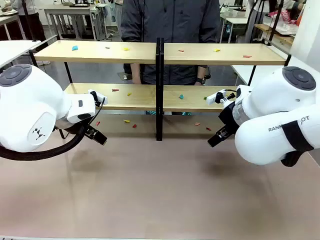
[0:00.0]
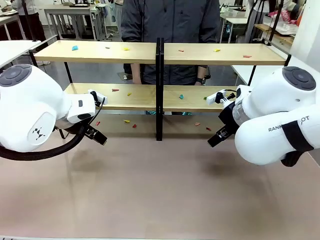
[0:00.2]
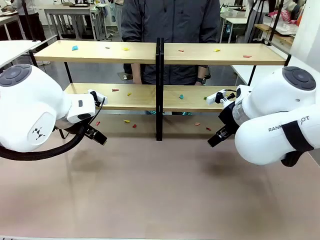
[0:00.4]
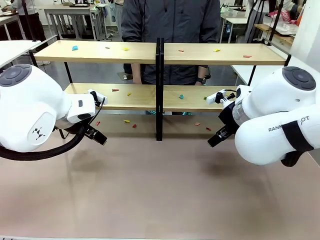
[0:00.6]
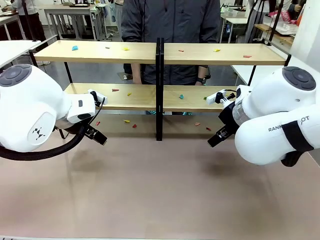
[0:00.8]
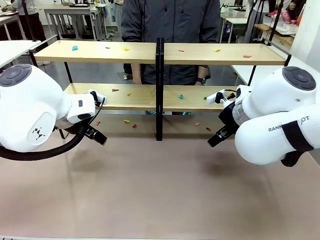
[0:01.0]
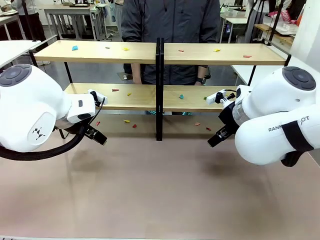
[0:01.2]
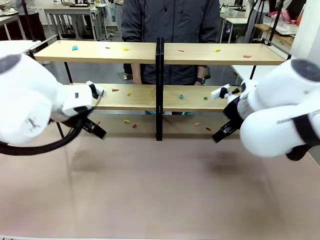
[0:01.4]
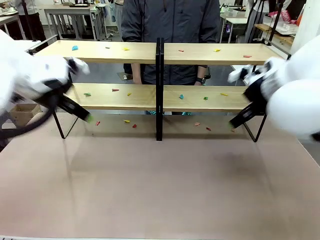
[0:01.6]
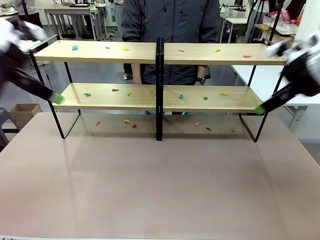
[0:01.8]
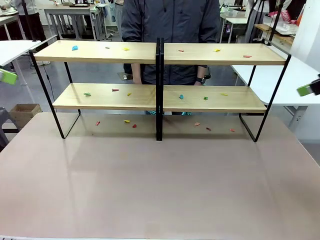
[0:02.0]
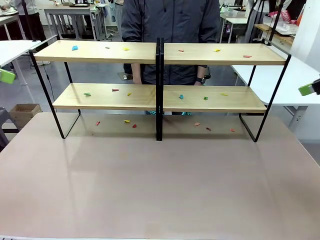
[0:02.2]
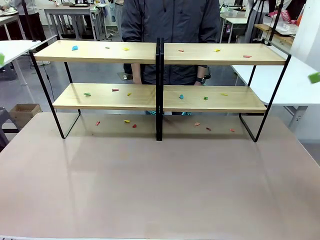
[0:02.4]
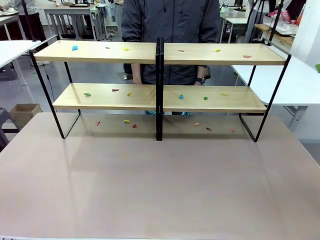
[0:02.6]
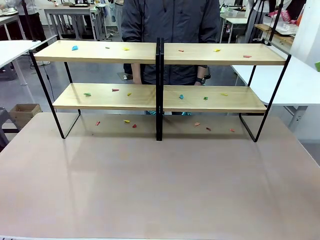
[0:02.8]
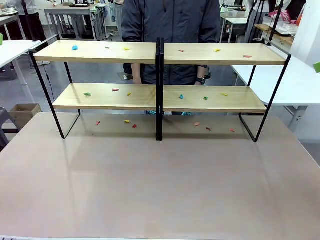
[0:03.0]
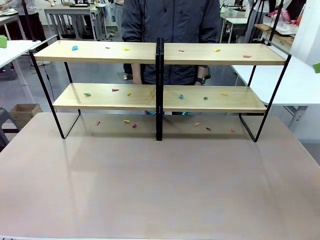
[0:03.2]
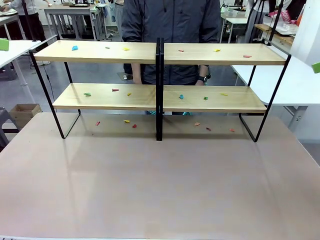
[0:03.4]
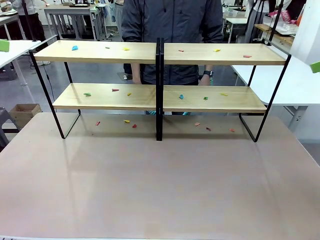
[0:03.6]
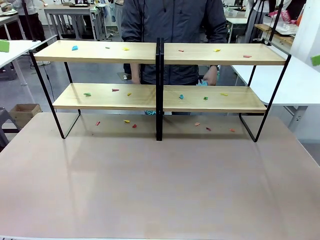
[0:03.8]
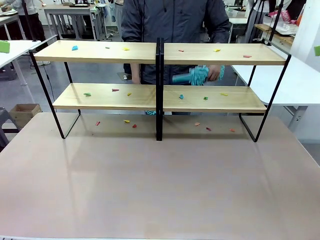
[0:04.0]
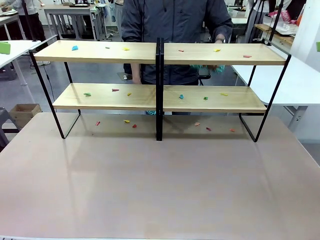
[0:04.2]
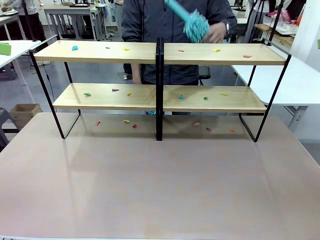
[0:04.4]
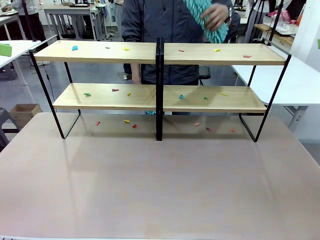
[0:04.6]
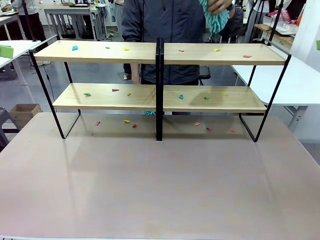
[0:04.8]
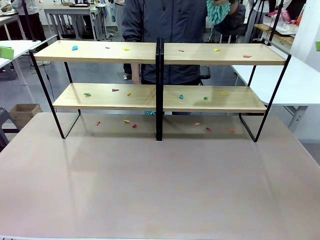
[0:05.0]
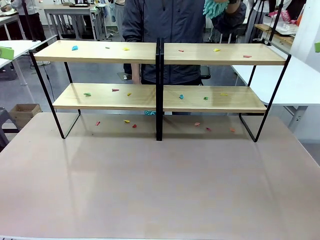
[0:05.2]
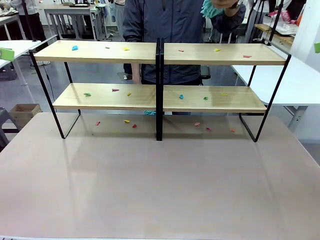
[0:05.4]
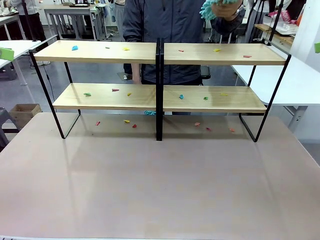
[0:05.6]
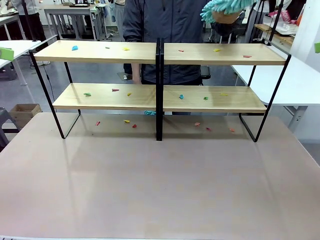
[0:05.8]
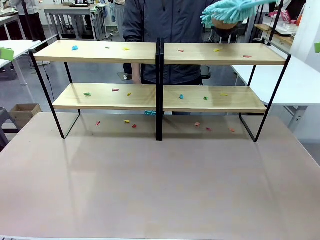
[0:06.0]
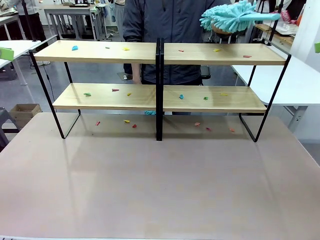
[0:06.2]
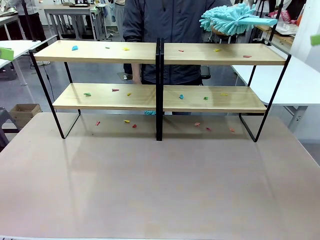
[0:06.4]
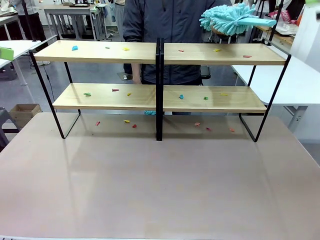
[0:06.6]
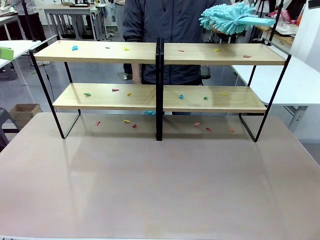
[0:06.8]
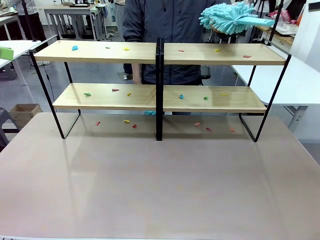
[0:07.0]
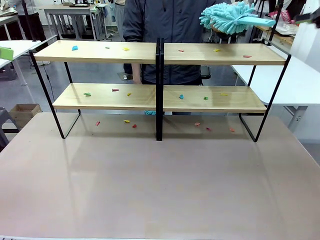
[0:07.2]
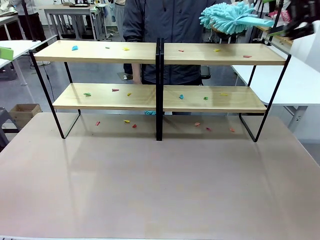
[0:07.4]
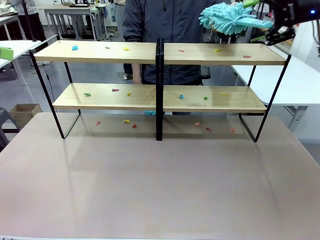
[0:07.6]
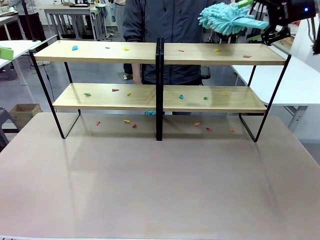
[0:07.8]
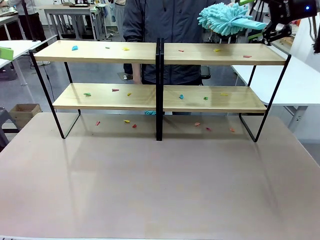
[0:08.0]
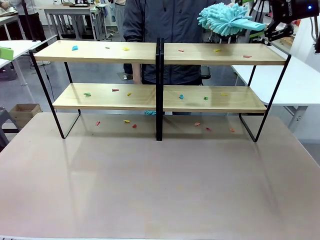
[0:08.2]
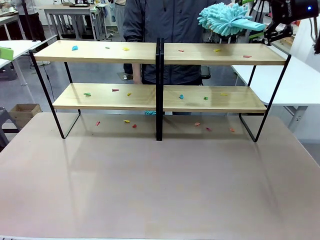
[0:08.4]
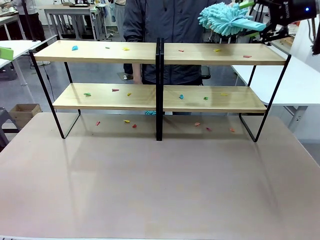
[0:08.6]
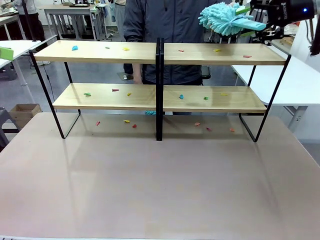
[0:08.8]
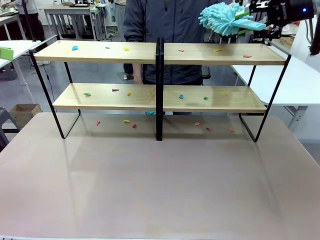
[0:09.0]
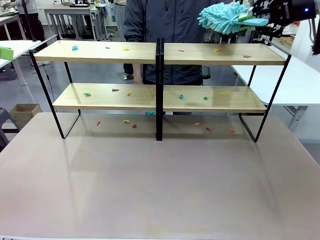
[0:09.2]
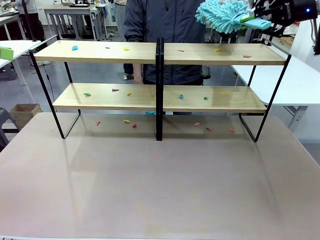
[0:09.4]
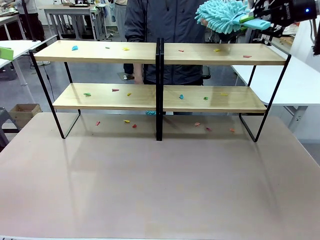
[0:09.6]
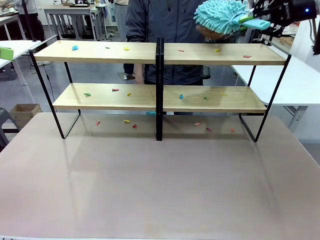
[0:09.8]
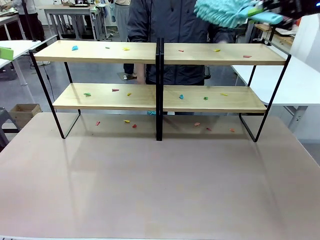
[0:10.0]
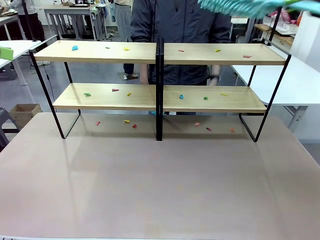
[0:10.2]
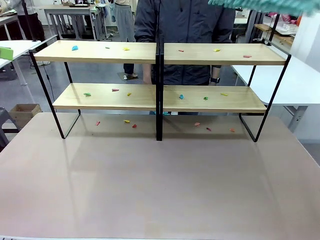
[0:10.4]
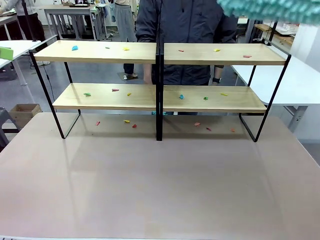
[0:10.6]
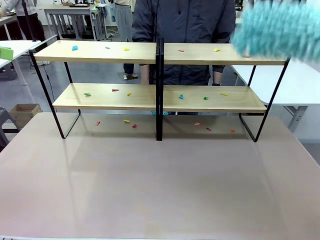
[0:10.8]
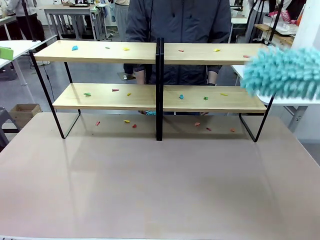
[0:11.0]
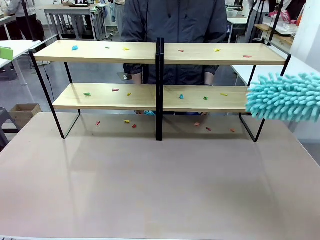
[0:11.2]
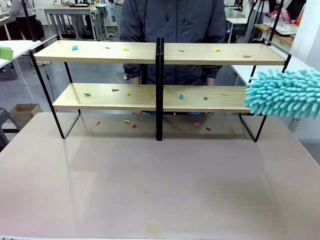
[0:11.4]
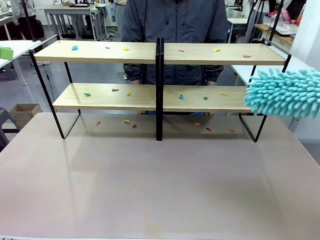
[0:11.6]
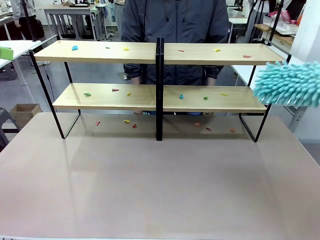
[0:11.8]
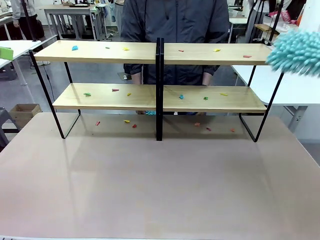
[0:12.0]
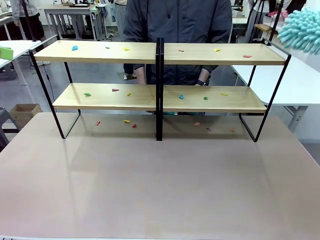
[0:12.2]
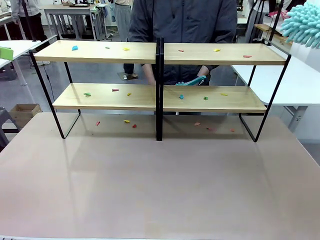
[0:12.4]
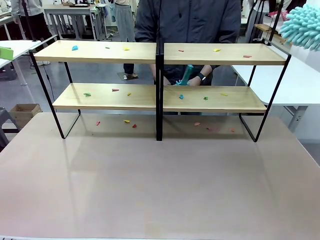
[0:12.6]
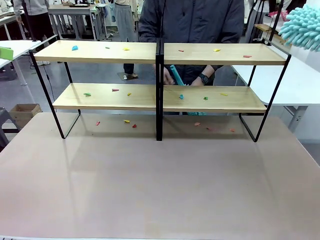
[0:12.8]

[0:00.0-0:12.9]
Task: Clean the shelves.
Robot: Pick up the Duster when the human hands it over.
Person: Hand the Duster to the robot with your right (or left) hand.

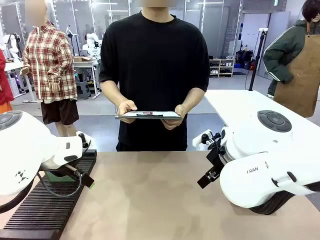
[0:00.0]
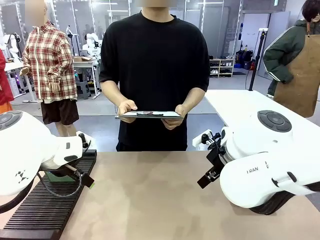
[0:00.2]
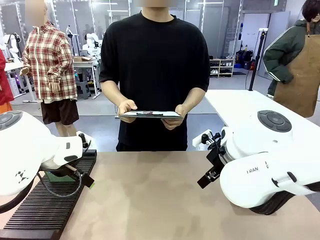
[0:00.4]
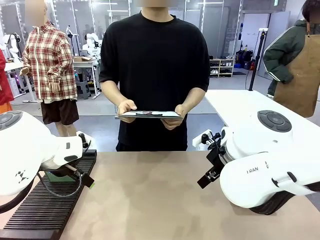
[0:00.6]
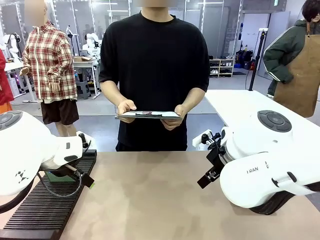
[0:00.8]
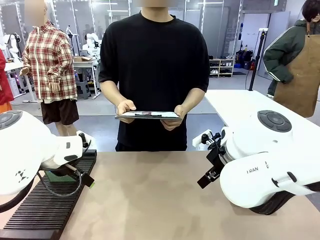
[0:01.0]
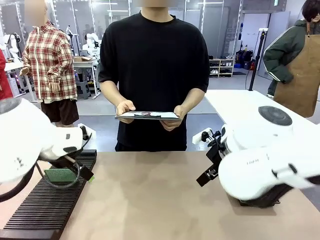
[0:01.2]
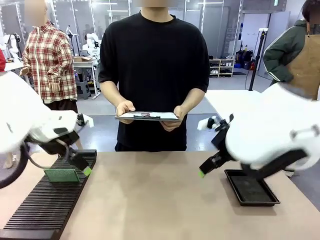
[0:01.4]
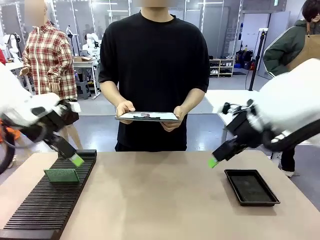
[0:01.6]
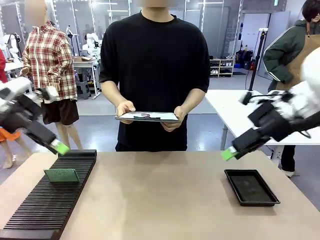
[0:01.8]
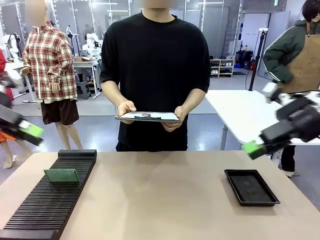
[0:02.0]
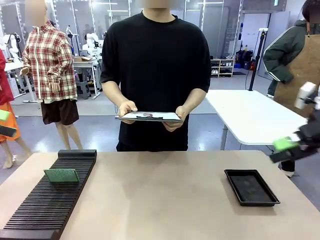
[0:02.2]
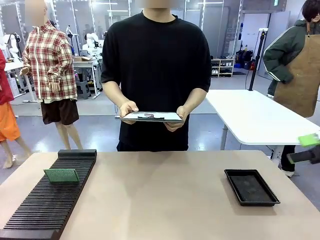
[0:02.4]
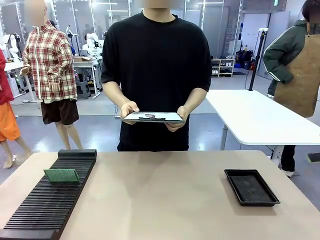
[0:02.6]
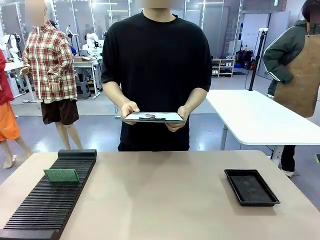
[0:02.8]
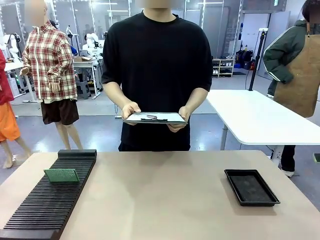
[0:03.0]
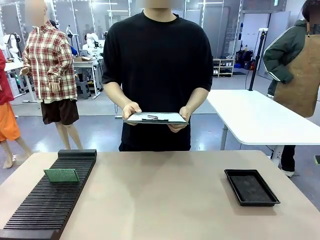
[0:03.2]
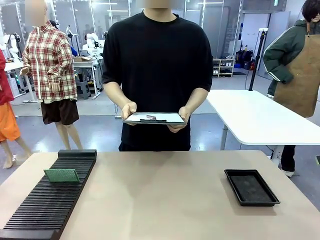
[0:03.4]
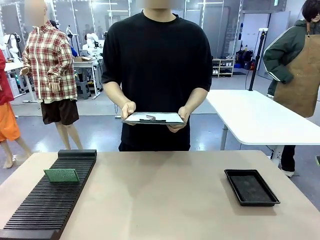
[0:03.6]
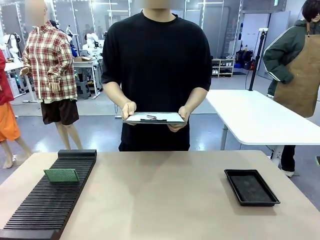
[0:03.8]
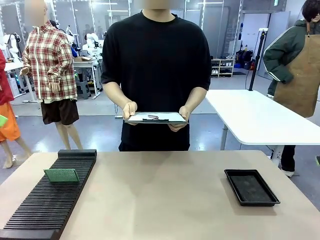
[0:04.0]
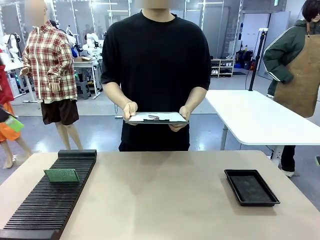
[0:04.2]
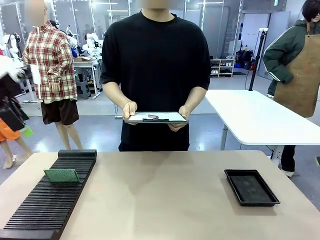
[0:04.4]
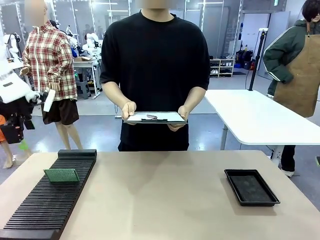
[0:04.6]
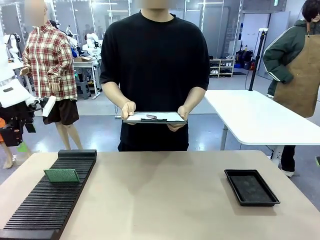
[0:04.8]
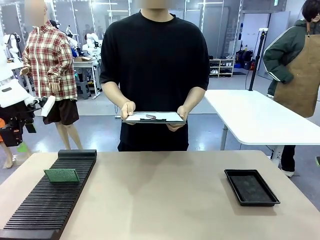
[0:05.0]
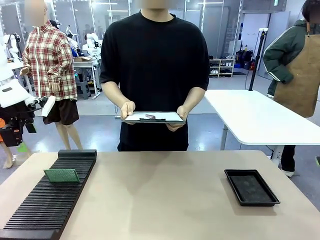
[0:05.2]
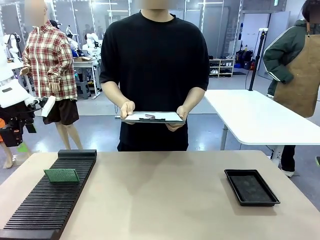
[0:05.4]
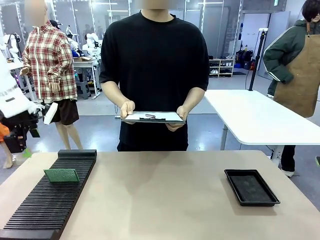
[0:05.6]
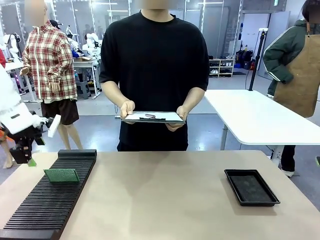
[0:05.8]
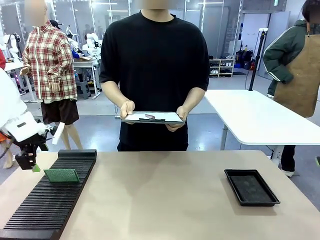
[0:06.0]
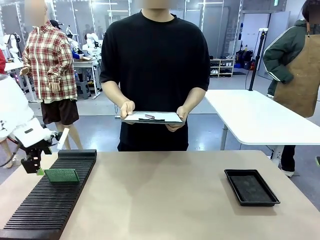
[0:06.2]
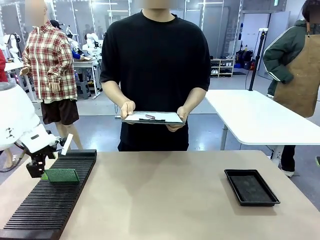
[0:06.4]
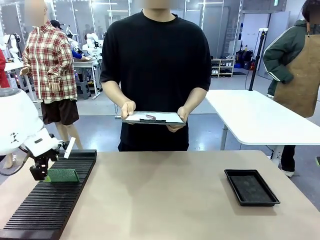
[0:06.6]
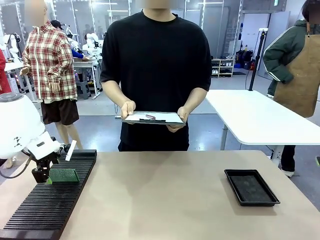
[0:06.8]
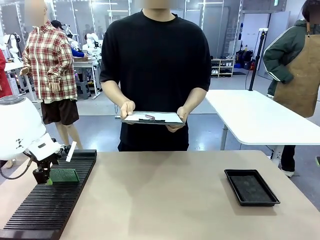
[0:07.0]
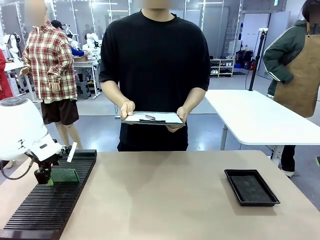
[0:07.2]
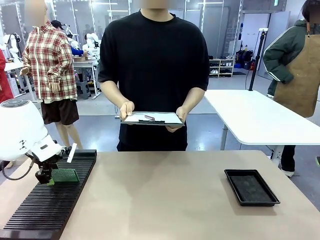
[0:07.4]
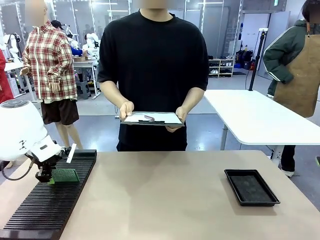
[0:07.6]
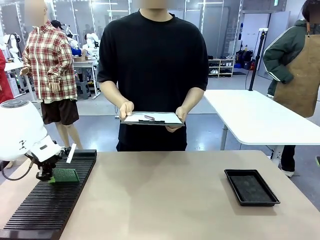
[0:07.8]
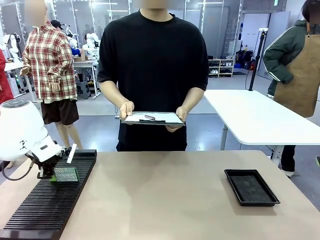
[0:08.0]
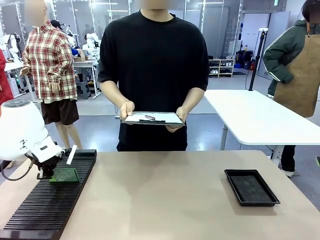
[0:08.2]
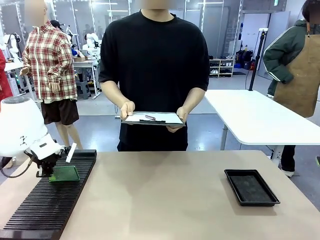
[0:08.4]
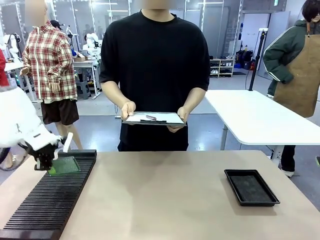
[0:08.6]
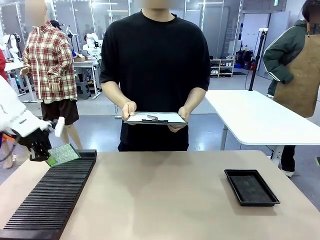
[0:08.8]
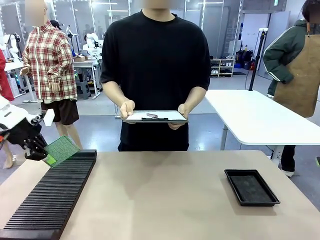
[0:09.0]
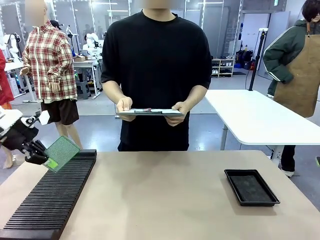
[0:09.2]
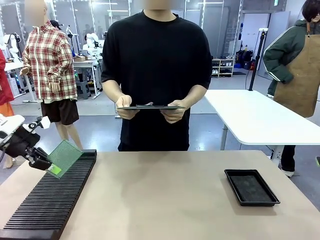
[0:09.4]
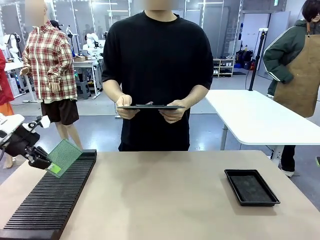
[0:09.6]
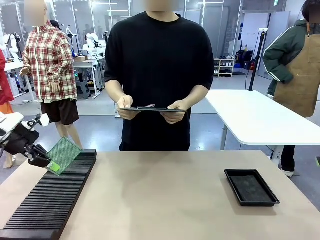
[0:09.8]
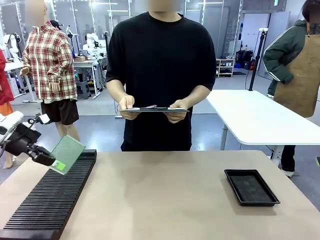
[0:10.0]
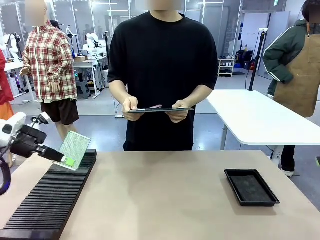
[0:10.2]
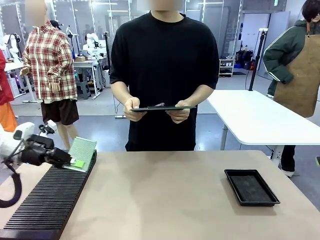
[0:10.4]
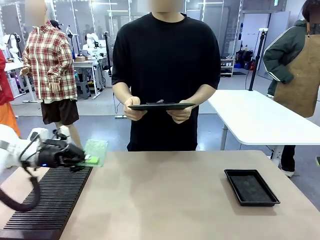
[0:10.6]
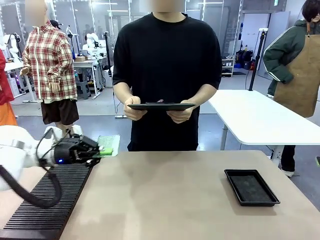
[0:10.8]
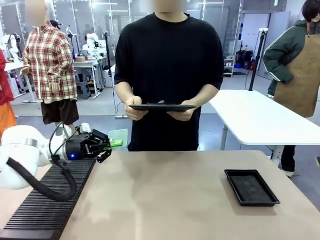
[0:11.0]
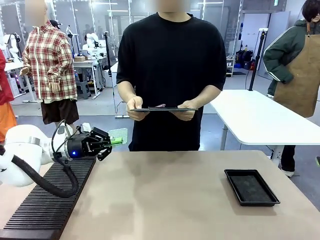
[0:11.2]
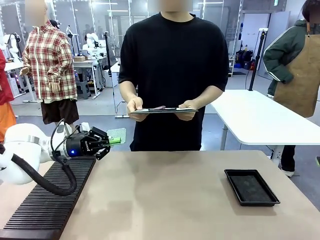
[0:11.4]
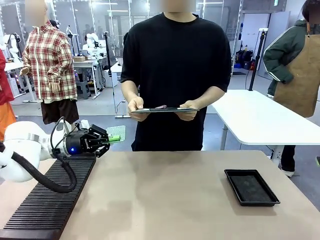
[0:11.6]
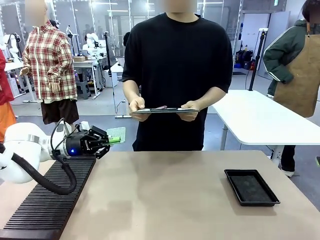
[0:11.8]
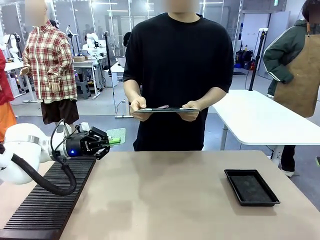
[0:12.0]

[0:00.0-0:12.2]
Task: Inspect the PCB.
Robot: Pick up the Blank PCB and present it to the human.
Person: Pick up the PCB presented by the robot.
